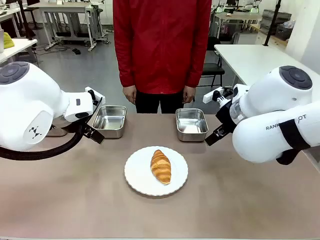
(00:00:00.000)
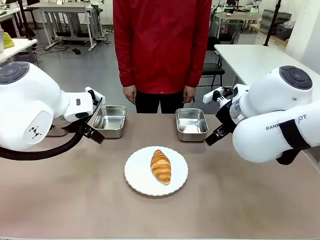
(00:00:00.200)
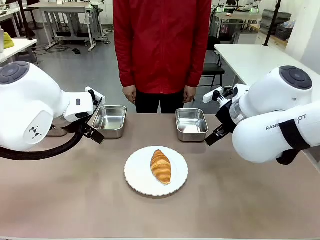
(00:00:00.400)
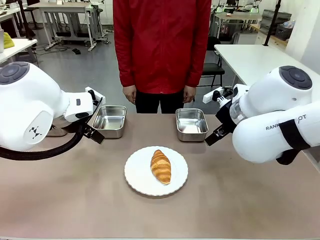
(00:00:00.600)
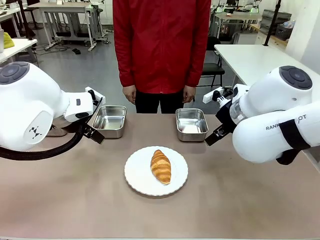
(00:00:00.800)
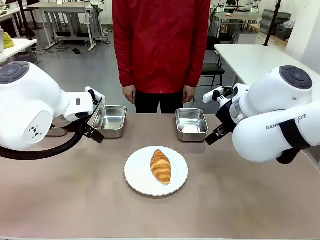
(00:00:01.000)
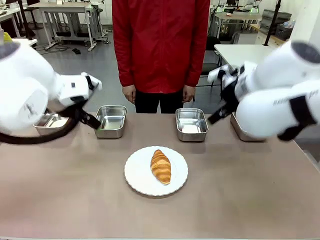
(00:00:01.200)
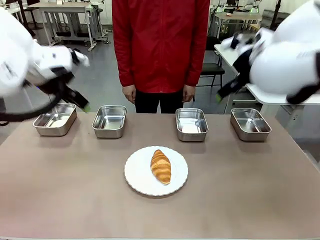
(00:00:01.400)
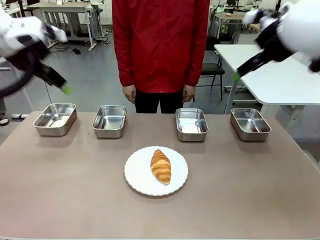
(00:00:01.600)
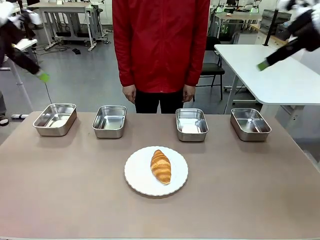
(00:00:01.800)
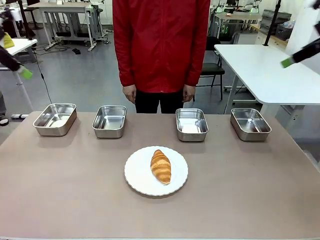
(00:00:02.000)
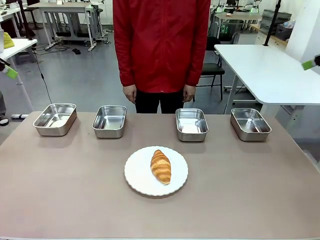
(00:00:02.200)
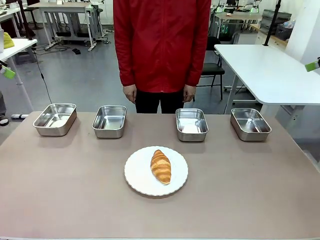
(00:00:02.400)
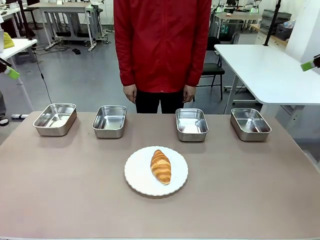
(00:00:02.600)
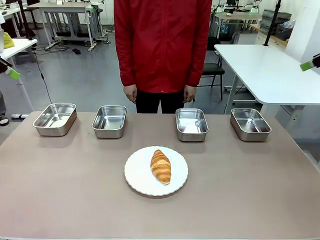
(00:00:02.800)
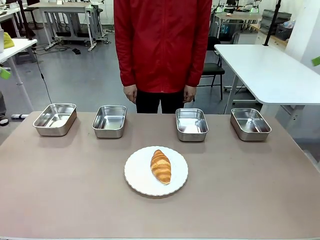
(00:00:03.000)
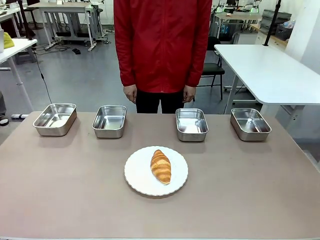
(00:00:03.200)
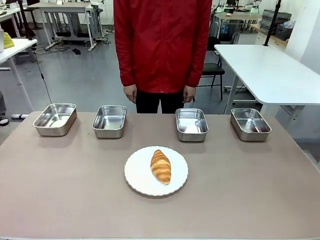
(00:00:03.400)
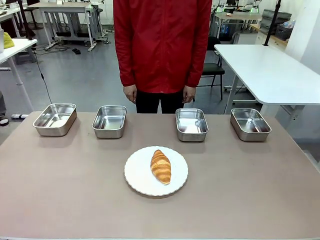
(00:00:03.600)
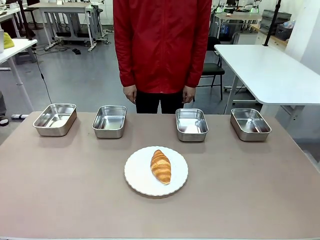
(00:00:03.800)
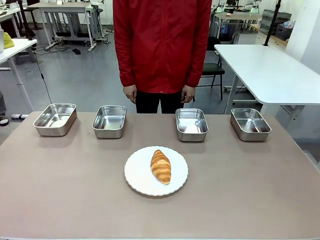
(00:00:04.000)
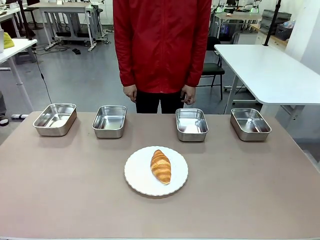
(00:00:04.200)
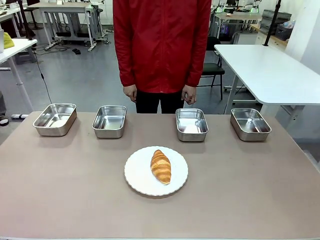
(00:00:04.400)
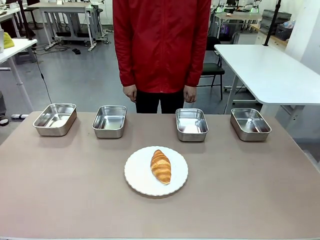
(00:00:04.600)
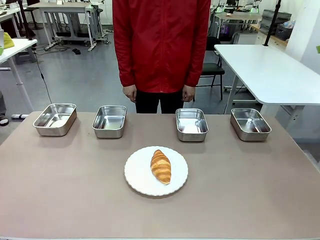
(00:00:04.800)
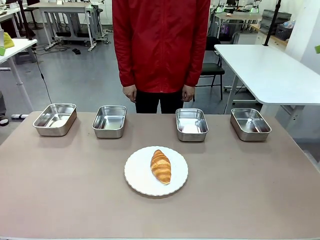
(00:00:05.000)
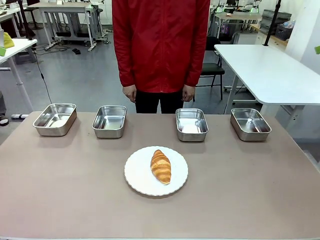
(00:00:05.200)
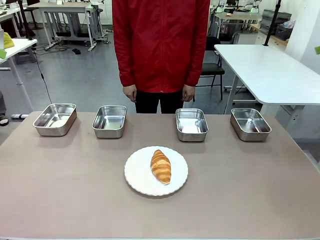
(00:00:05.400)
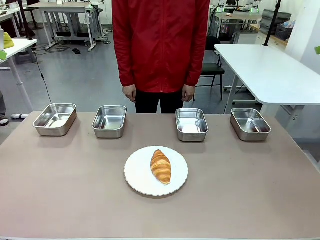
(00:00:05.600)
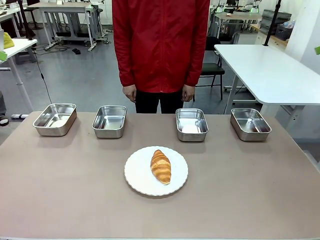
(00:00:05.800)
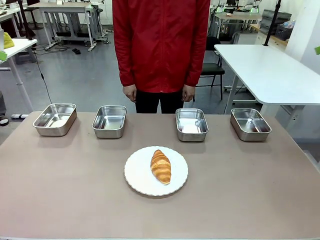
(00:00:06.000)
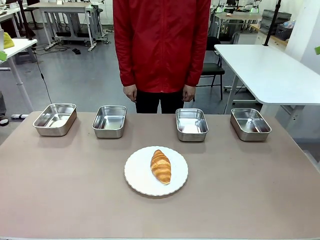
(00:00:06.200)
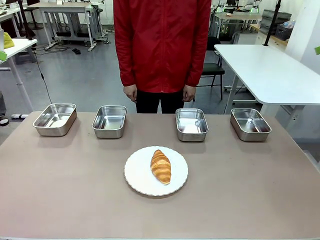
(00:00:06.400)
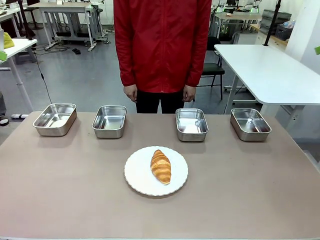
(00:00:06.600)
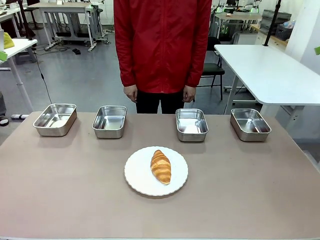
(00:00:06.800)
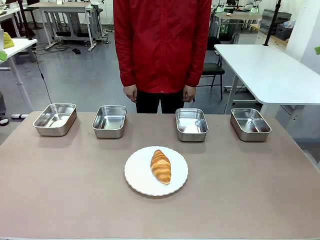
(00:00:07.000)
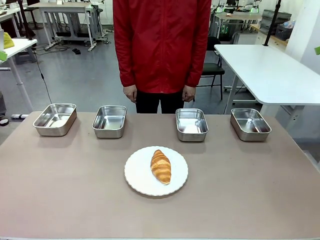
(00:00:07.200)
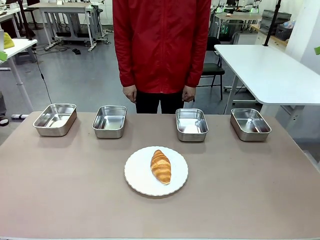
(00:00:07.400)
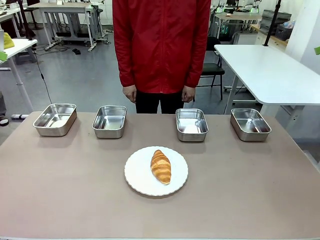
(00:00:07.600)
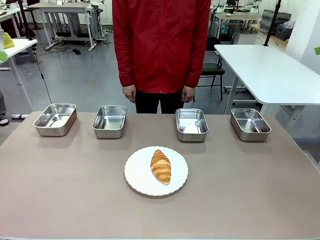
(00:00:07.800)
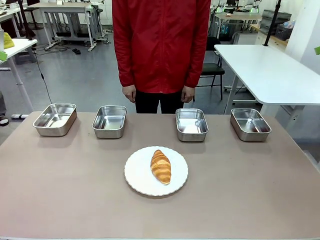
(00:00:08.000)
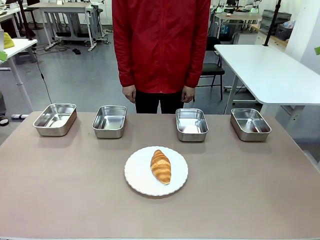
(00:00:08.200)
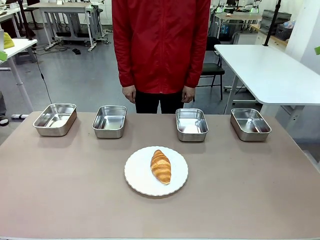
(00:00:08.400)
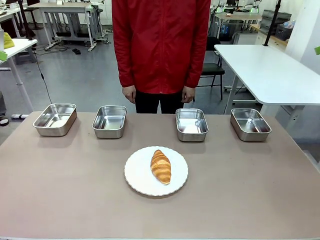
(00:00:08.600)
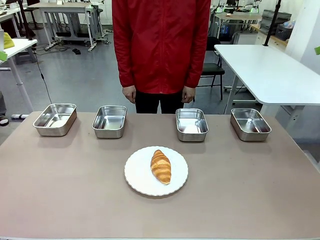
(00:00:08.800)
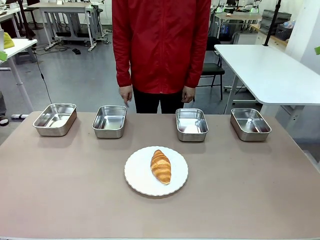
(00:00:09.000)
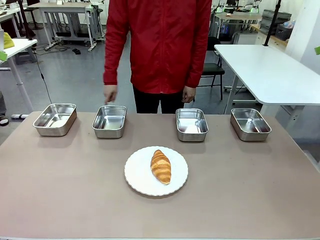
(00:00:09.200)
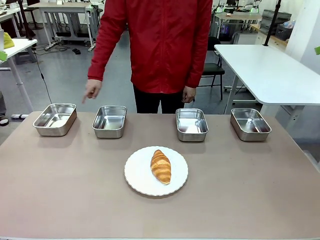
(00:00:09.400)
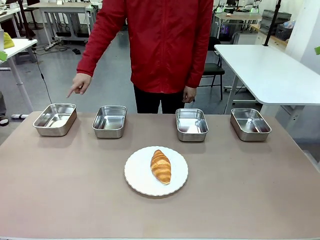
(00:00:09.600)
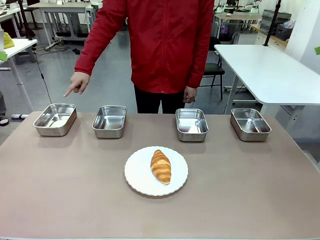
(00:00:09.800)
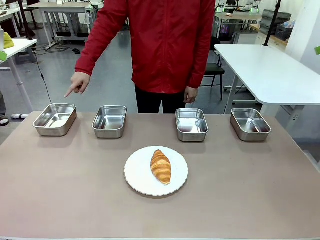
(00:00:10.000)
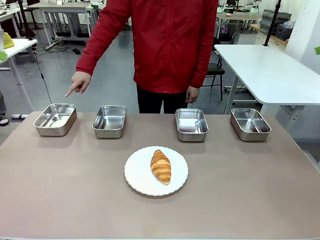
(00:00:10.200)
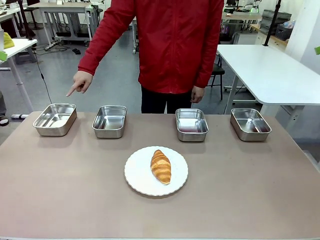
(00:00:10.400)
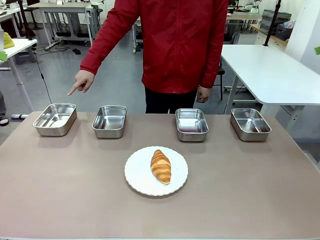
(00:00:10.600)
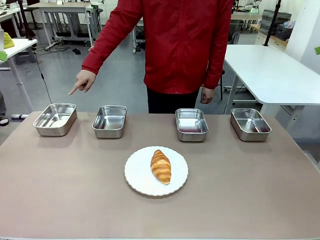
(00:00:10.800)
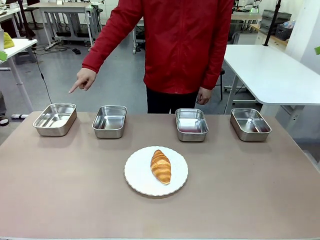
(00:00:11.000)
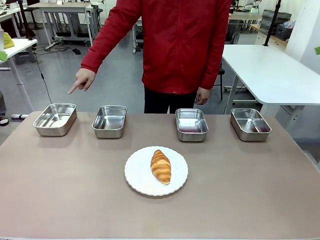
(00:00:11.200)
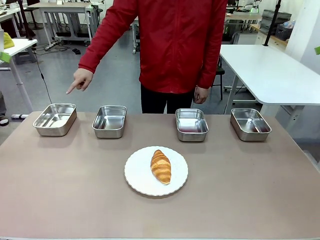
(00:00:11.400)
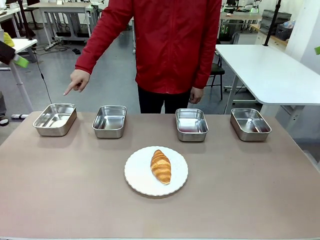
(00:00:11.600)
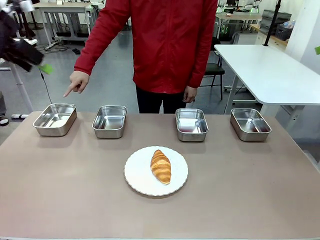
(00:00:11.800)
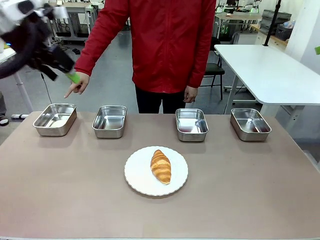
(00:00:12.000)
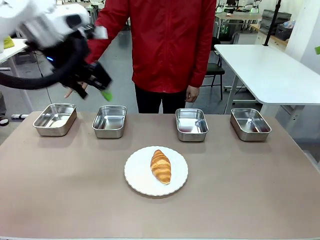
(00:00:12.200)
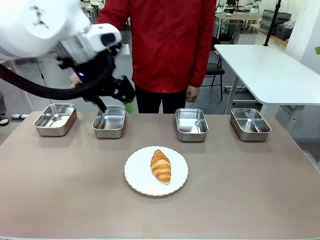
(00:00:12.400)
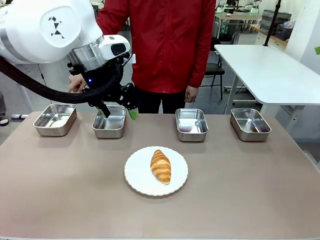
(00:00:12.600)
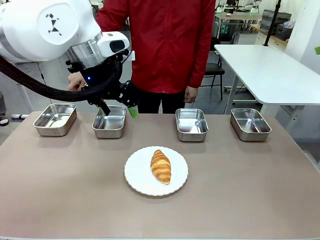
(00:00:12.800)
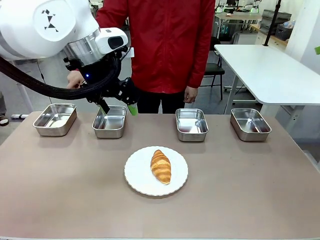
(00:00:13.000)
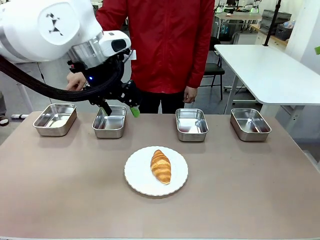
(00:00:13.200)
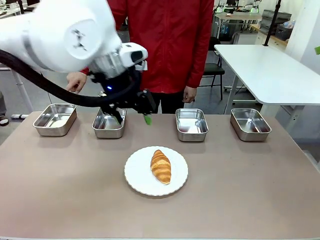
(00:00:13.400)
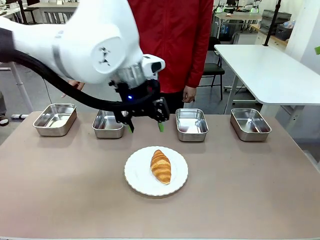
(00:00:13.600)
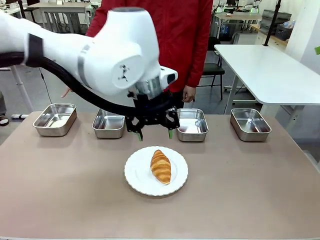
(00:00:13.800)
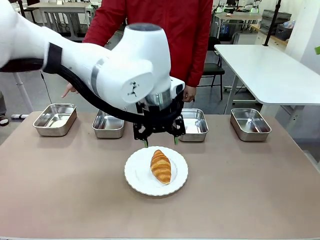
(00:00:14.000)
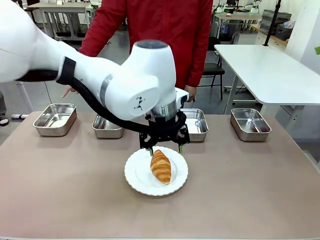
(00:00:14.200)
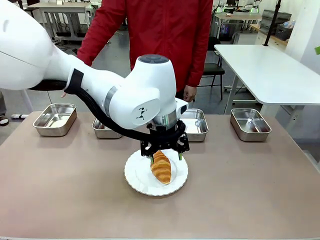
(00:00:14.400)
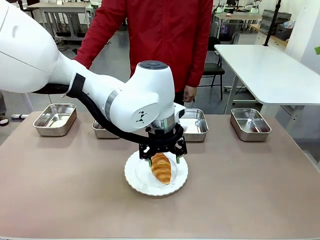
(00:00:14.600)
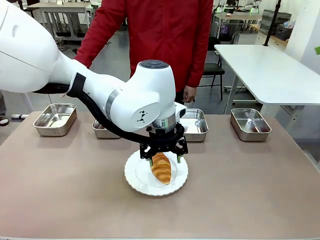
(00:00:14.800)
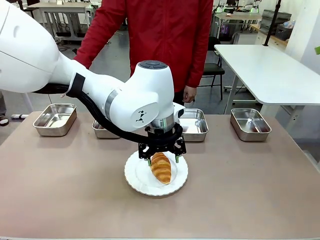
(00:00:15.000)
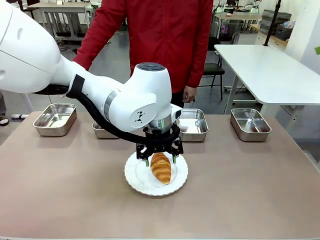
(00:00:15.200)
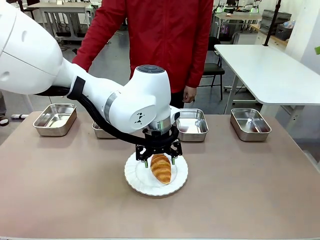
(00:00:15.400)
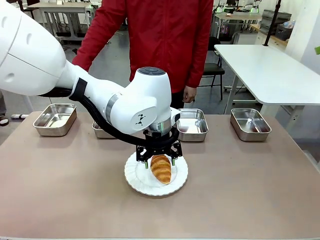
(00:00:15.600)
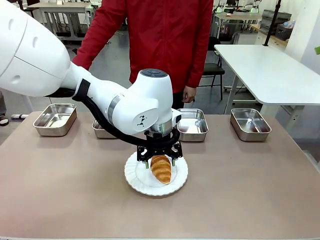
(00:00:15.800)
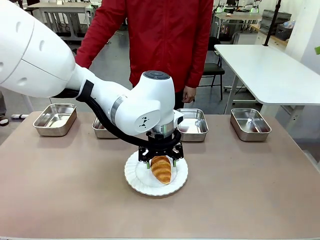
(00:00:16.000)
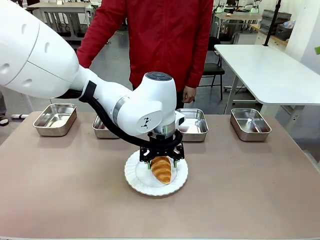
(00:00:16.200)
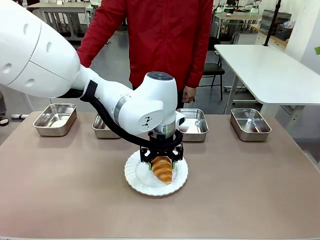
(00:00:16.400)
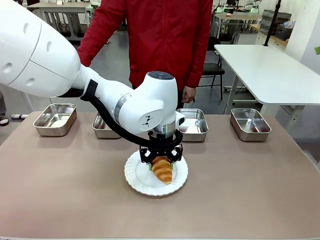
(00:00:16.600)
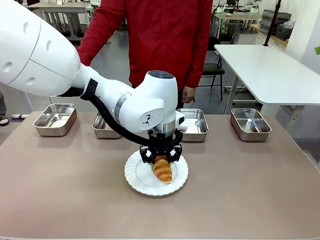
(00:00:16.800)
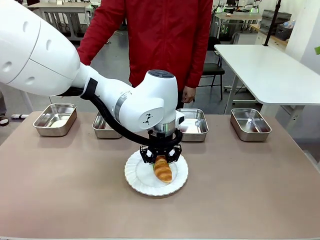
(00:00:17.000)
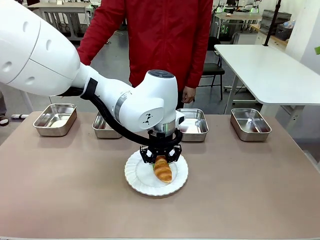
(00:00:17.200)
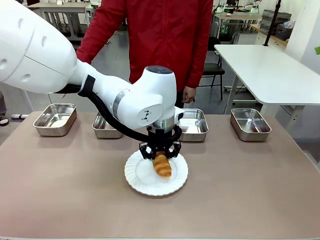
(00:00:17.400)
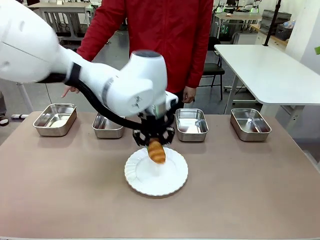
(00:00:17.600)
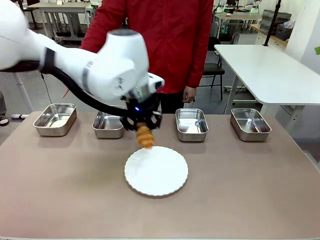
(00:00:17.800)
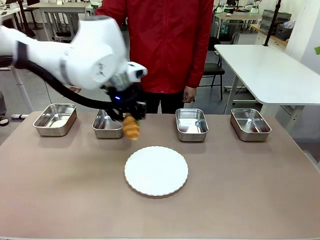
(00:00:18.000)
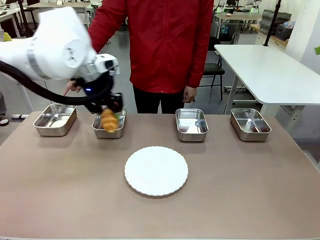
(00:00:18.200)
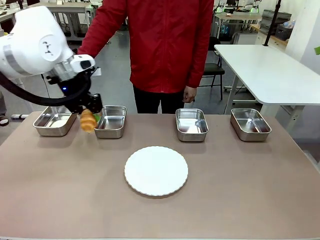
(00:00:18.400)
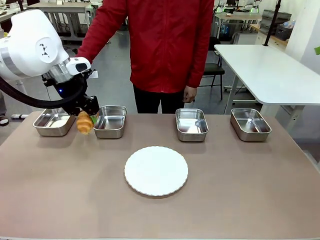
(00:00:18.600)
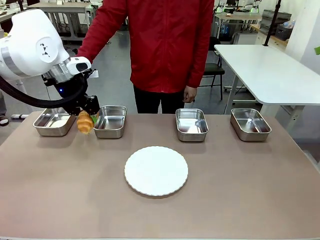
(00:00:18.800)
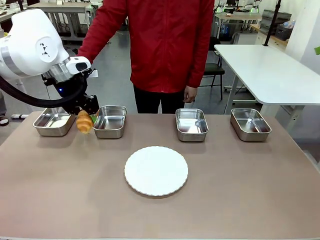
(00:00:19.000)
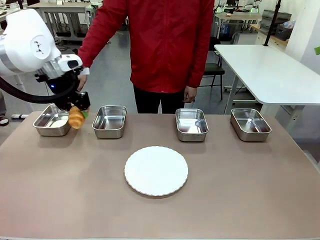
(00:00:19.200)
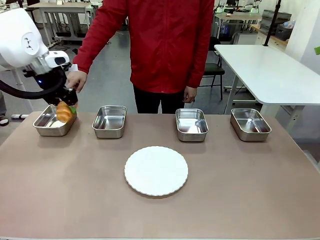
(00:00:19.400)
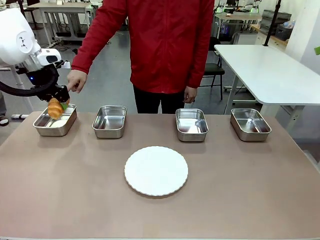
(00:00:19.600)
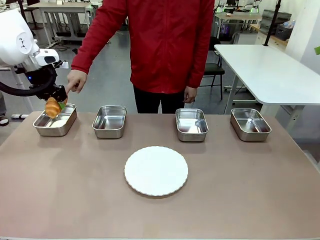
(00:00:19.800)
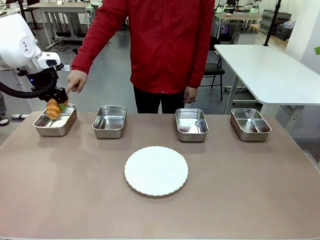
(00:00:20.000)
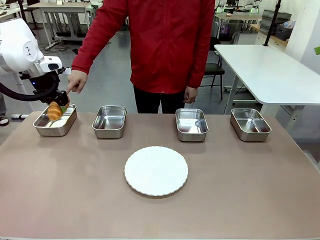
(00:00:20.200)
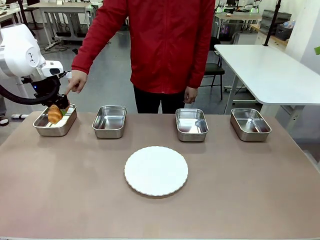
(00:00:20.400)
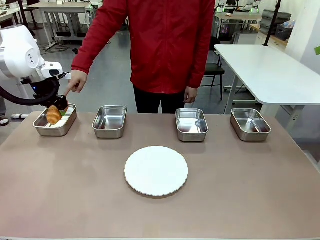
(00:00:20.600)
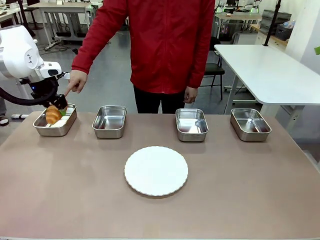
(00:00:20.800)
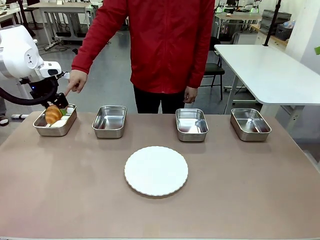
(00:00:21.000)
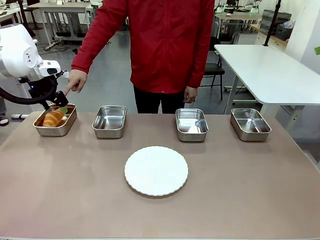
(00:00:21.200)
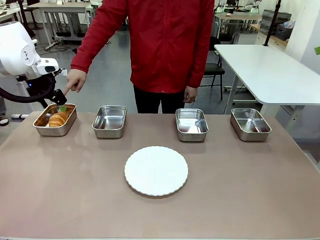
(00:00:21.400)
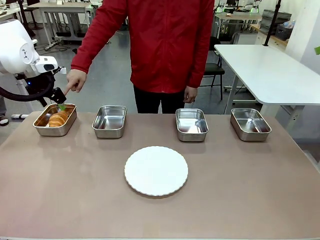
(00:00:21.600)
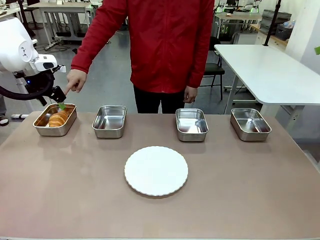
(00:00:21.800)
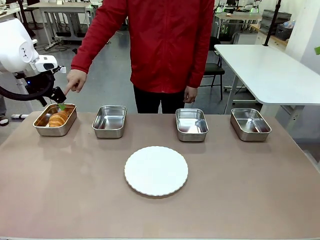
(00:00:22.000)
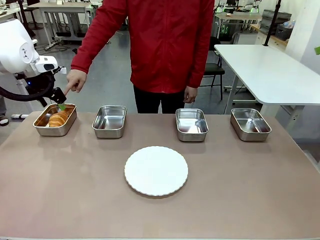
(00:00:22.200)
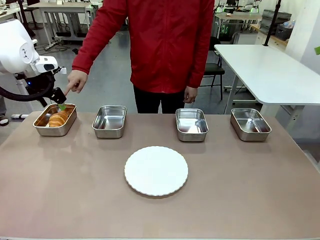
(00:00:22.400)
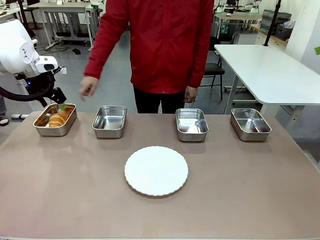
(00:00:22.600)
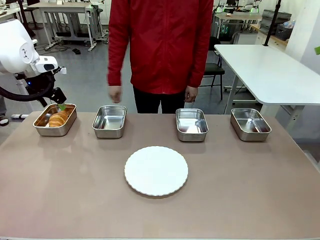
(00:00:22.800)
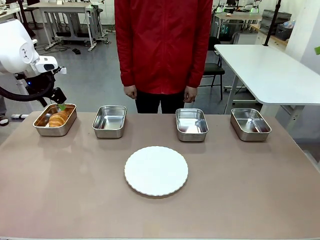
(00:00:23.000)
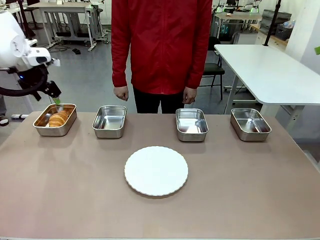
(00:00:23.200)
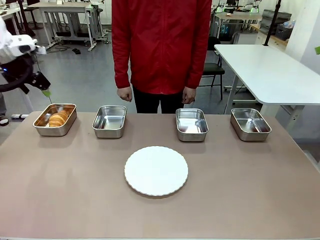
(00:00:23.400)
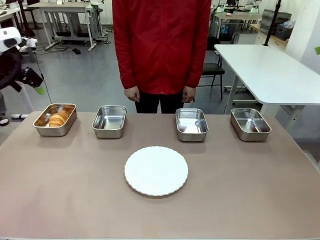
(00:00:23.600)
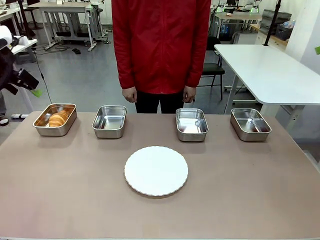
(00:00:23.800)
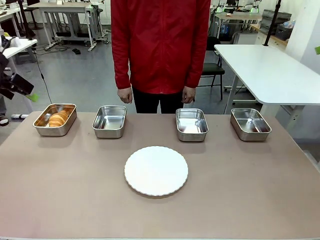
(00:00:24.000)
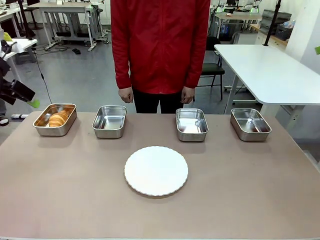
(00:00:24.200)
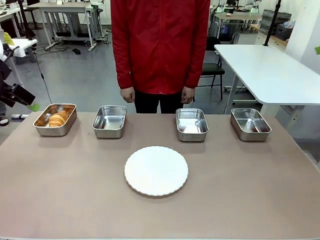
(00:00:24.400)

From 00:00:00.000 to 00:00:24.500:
Task: Place the bread in the container.
Robot: Place the Butter Roll into the Airtight Container indicated by the human.
Person: A person randomly selects and points to an Airtight Container.
